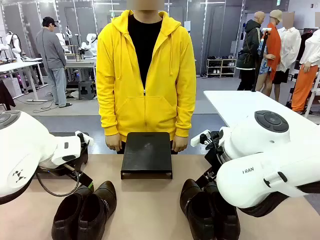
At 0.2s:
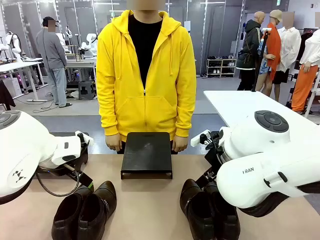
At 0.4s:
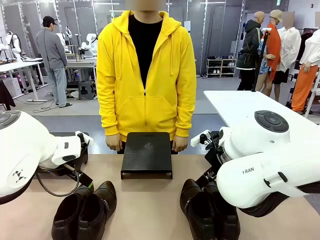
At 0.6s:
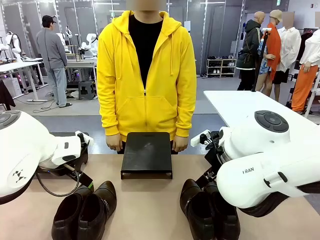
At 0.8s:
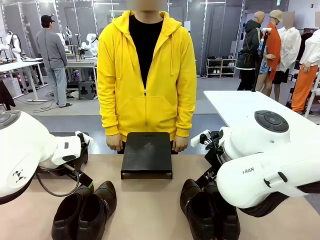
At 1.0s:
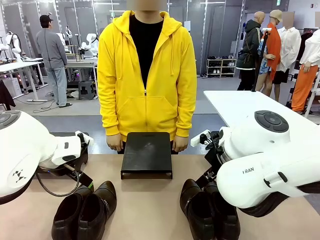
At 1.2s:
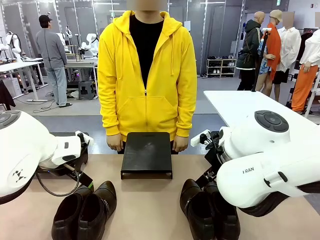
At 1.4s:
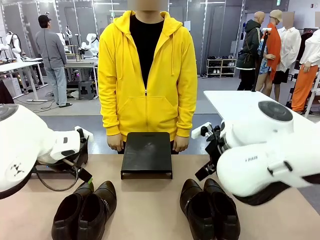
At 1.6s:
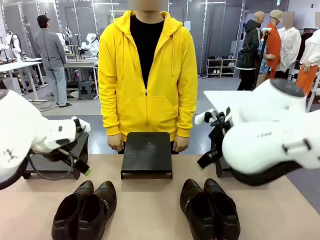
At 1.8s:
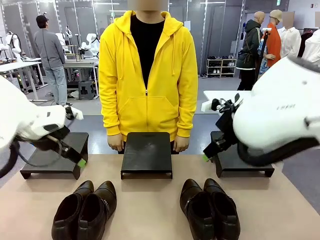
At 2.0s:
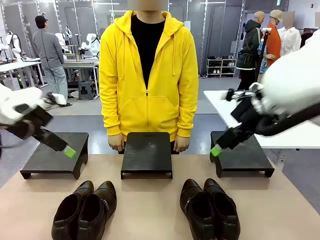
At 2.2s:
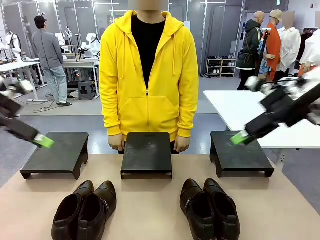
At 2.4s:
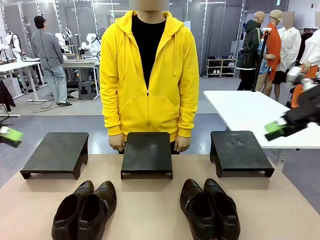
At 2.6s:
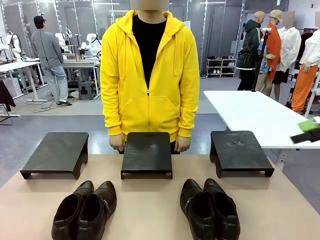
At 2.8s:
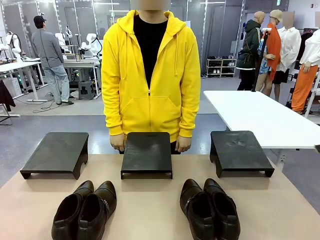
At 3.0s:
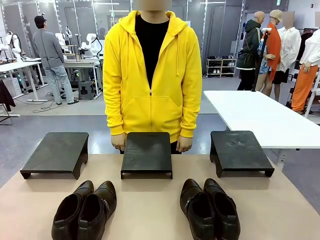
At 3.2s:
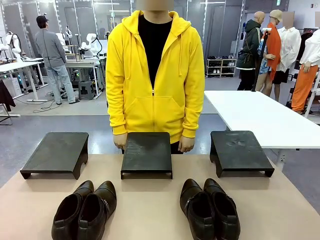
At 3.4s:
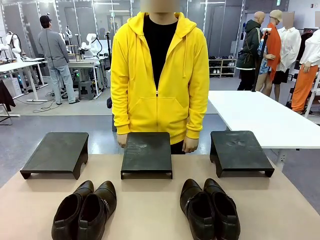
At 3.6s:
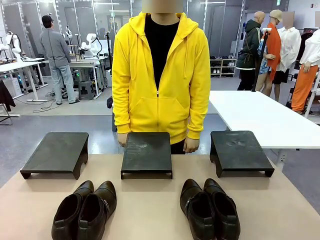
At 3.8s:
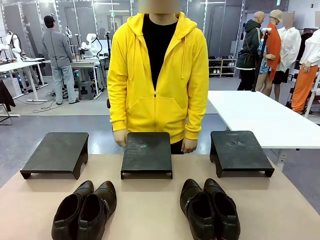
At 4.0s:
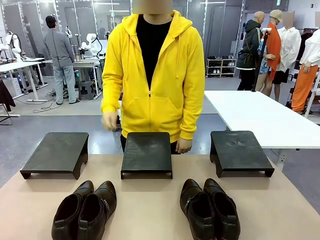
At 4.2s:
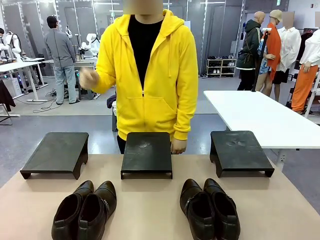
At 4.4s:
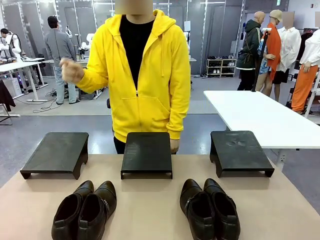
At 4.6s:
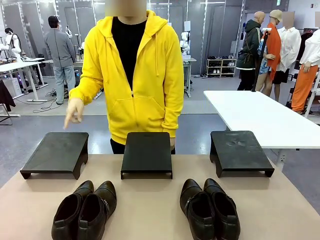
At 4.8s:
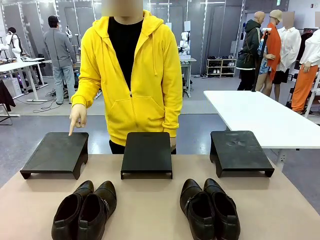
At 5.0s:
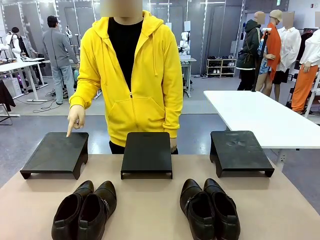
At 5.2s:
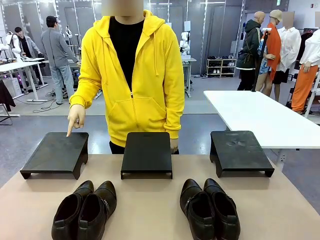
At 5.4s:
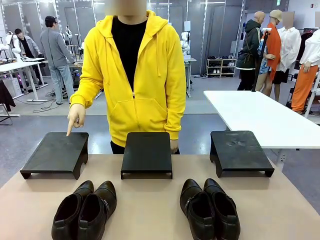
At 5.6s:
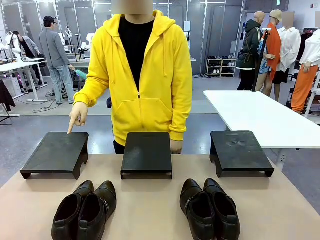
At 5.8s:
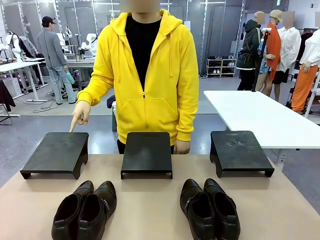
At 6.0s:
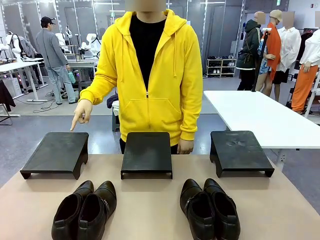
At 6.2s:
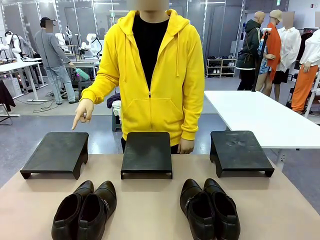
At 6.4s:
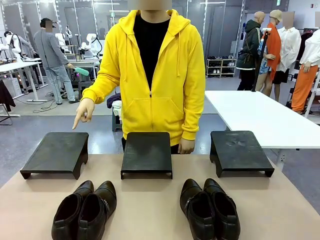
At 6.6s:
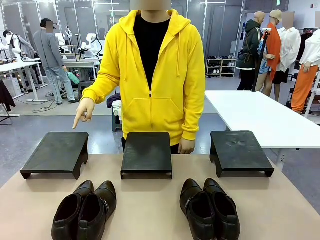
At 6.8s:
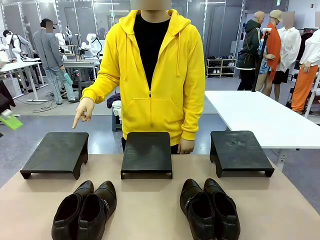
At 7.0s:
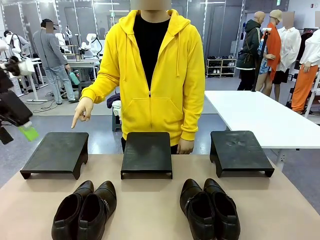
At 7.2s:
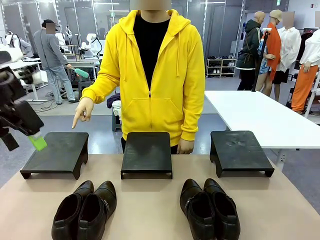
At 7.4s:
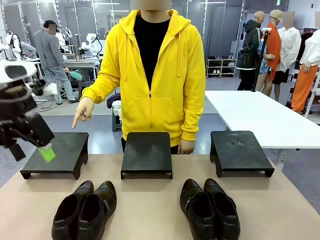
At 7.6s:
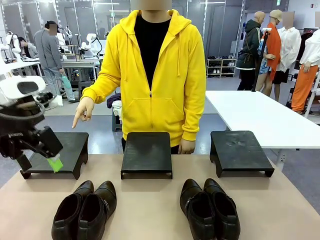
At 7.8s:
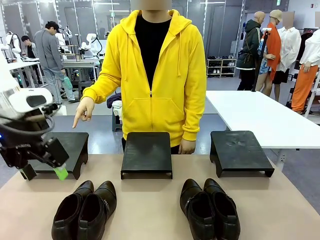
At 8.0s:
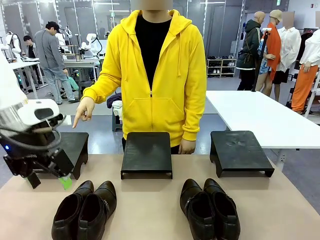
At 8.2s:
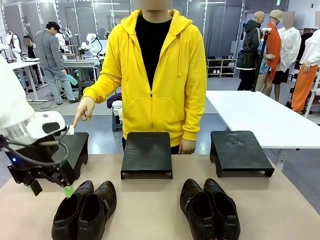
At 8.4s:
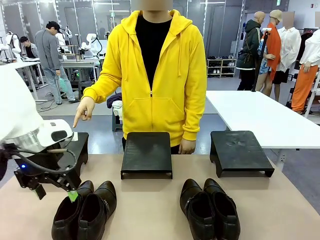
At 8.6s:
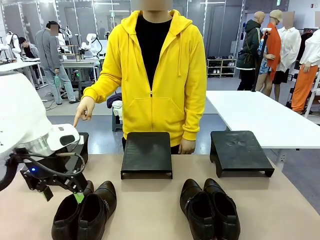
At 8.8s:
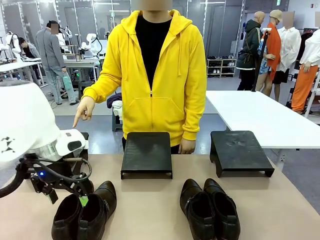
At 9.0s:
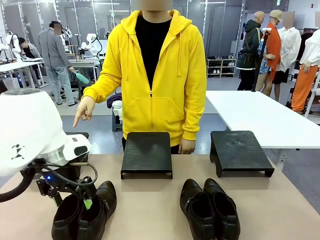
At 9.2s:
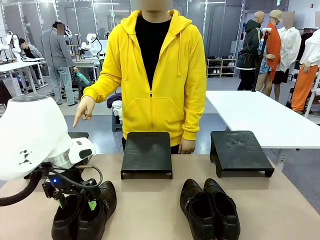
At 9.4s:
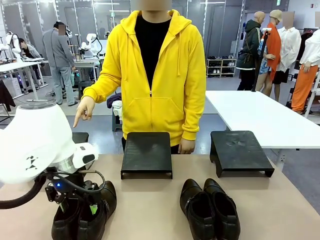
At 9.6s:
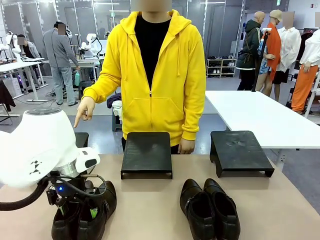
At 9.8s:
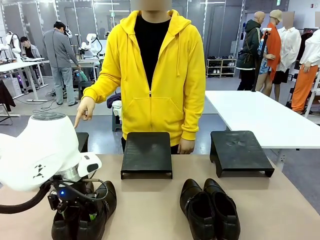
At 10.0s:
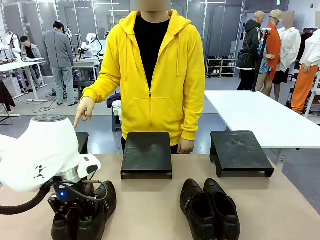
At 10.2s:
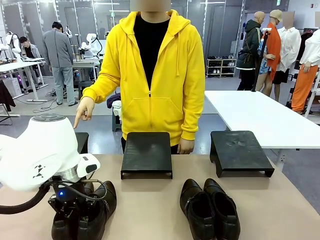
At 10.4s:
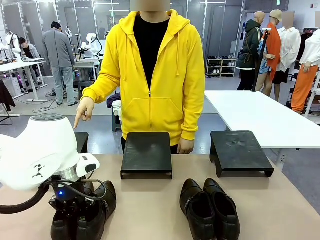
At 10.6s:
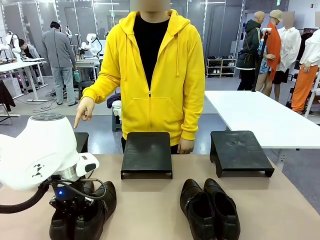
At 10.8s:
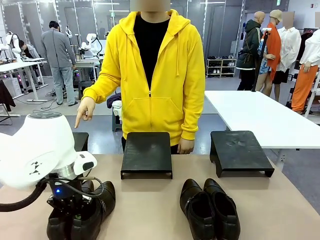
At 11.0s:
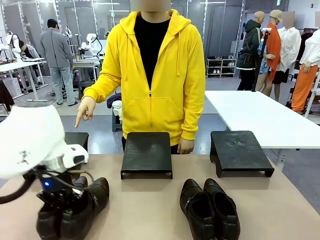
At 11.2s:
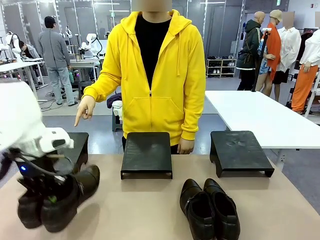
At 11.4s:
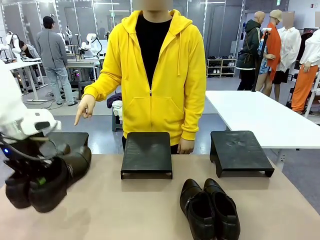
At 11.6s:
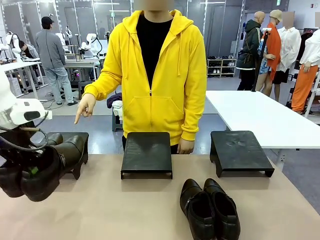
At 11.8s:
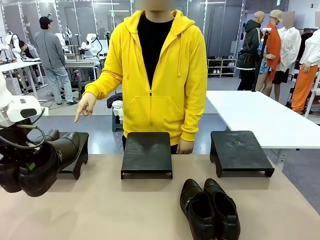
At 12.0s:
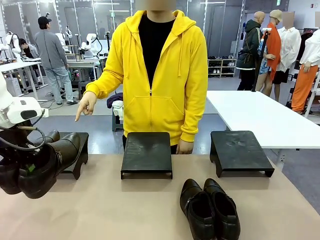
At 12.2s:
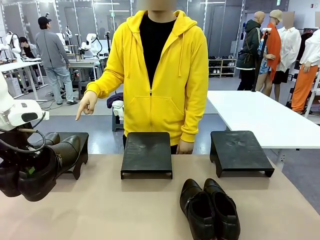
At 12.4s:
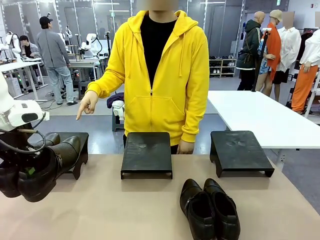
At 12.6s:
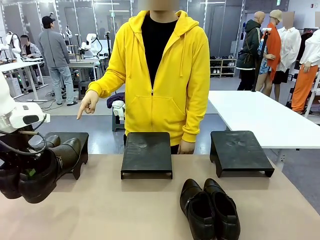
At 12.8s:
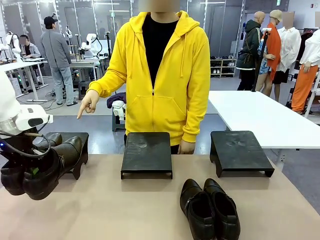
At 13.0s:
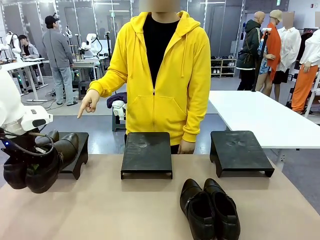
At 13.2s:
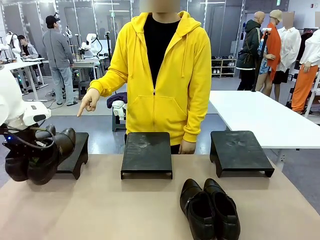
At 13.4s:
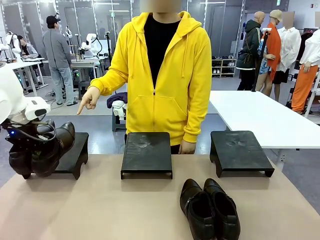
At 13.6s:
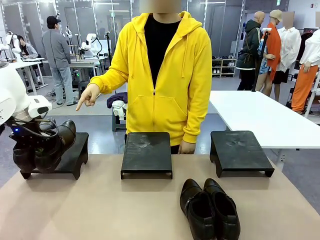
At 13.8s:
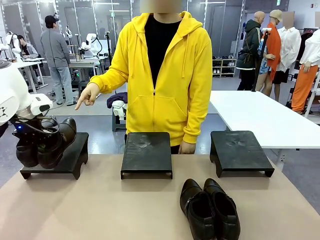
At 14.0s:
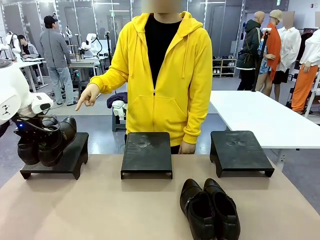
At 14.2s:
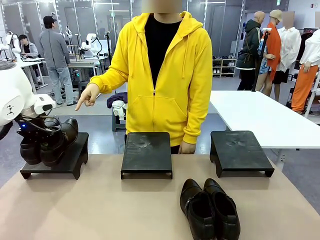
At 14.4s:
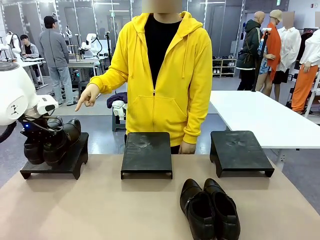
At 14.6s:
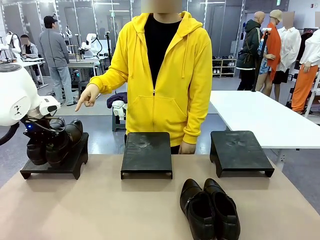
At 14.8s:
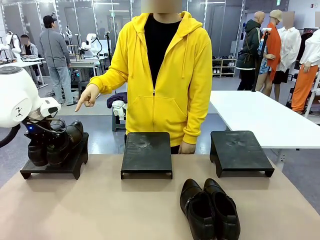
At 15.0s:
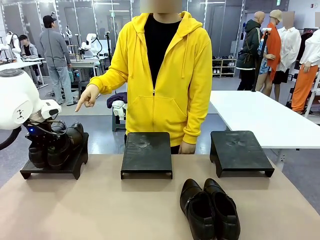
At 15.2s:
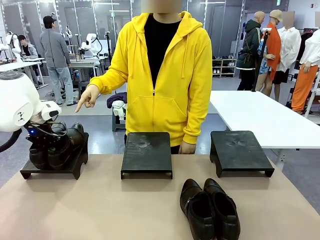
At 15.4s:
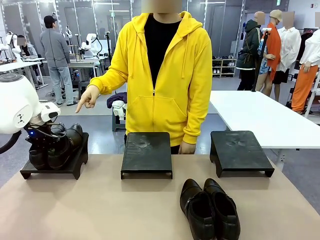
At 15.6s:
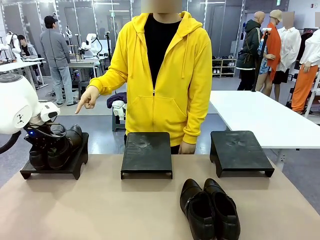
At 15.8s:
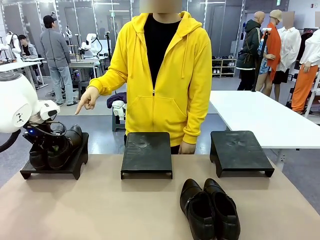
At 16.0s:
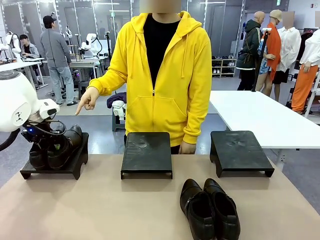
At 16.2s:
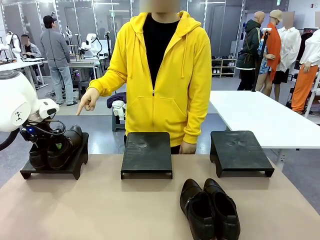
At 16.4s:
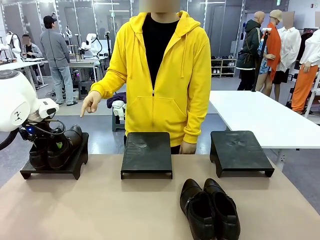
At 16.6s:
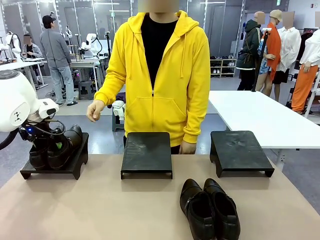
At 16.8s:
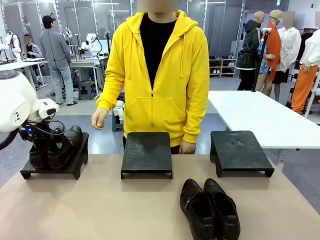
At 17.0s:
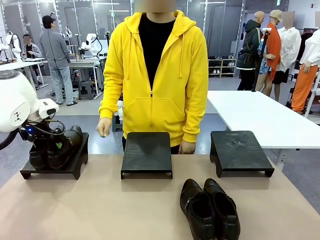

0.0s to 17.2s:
Task: Place the shoes on the stand as instructed by the person.
Robot: Pick up one pair of Shoes and place it on the Shoes Stand indicated by the person.
